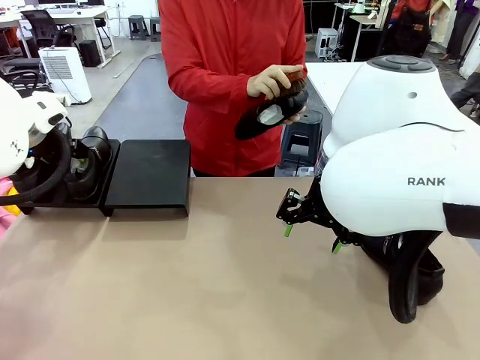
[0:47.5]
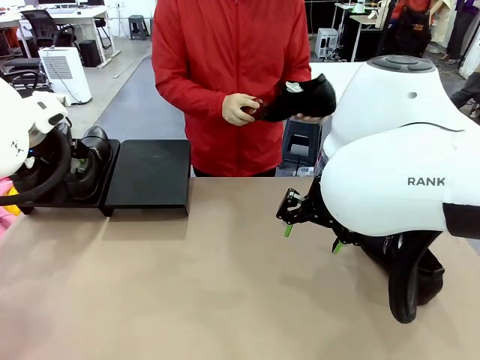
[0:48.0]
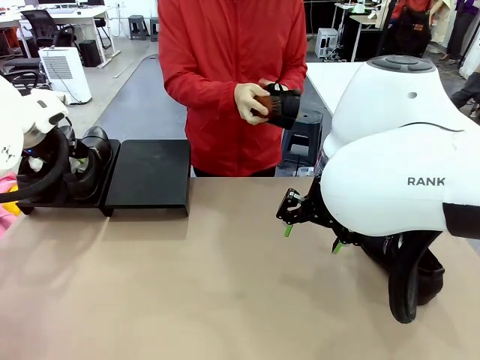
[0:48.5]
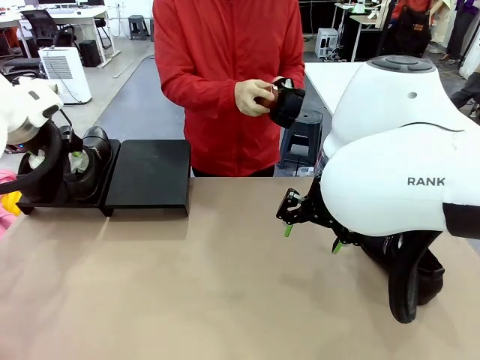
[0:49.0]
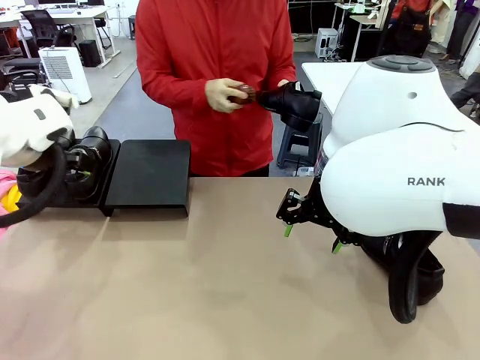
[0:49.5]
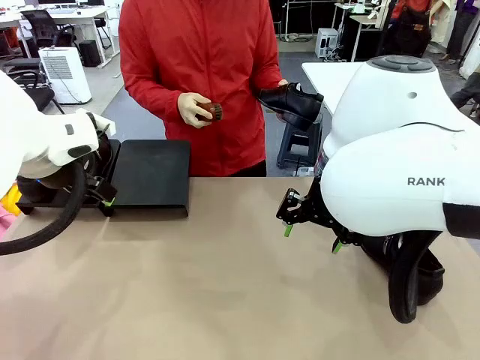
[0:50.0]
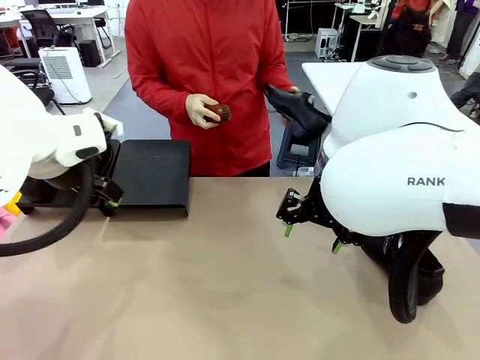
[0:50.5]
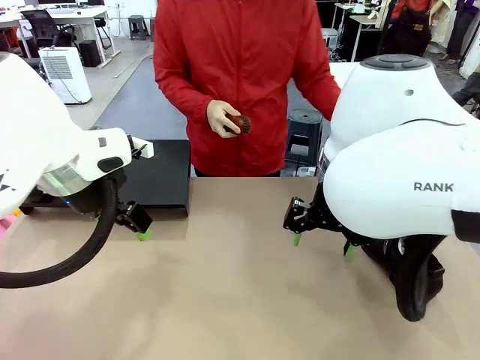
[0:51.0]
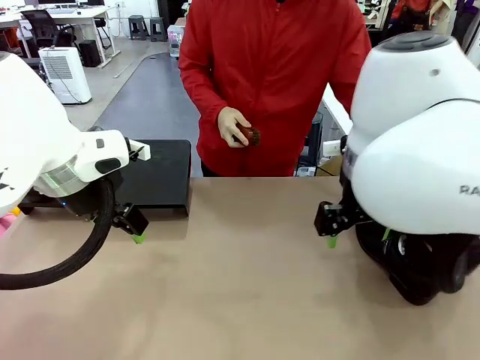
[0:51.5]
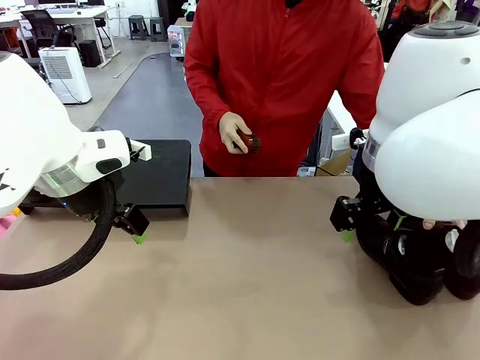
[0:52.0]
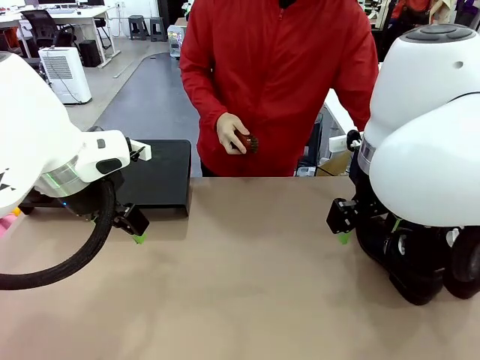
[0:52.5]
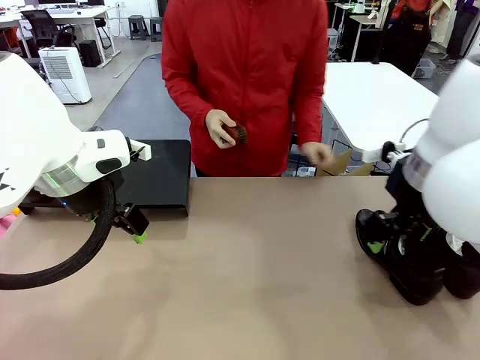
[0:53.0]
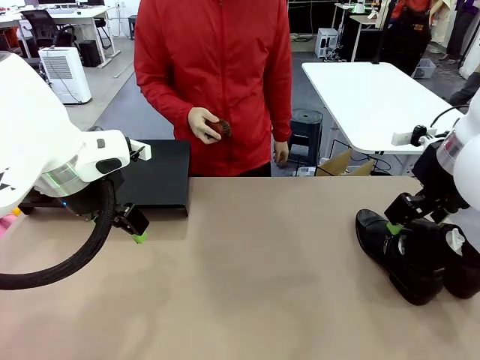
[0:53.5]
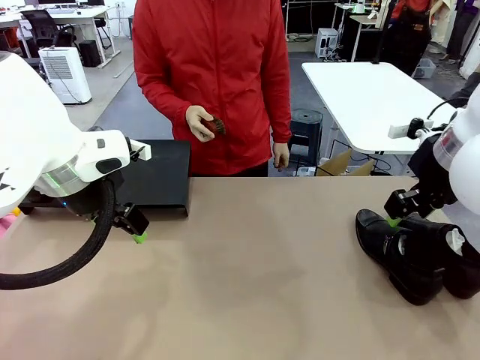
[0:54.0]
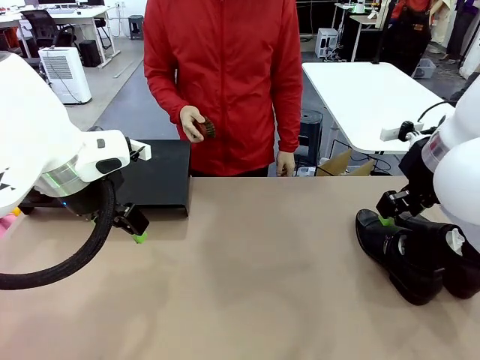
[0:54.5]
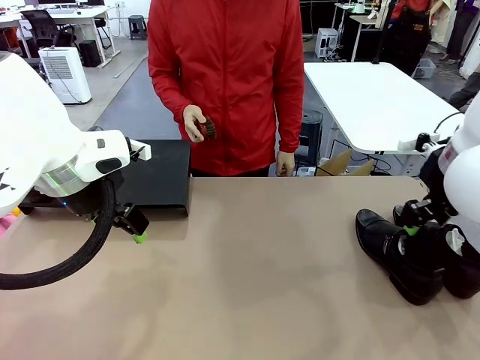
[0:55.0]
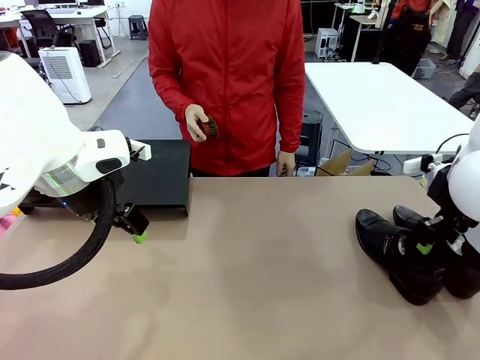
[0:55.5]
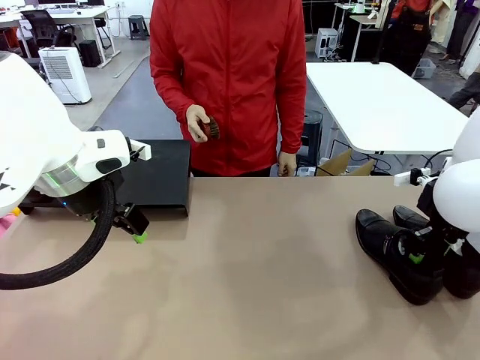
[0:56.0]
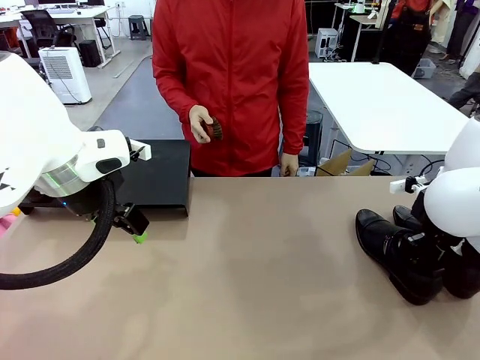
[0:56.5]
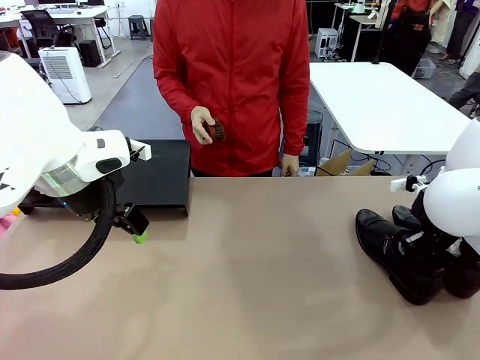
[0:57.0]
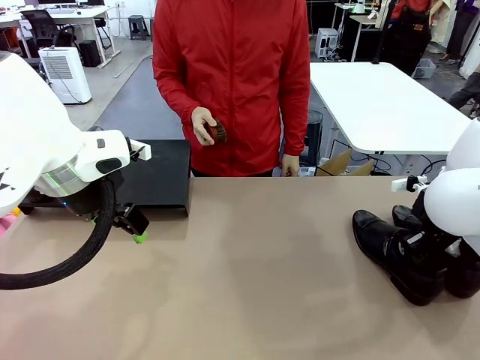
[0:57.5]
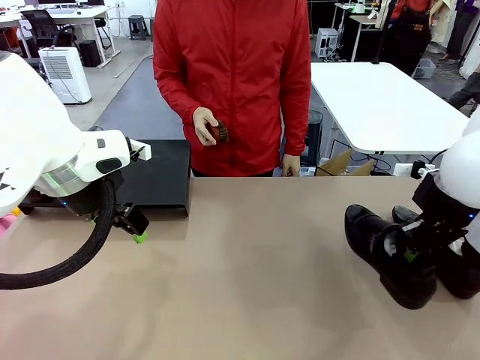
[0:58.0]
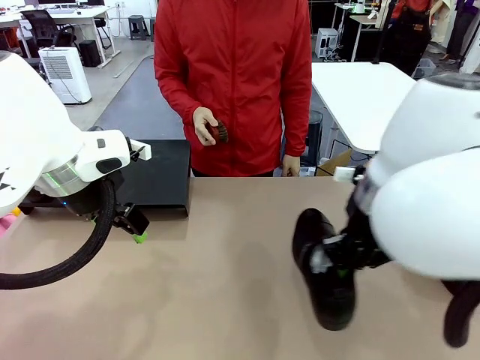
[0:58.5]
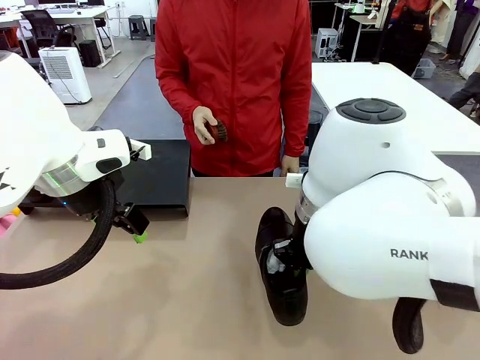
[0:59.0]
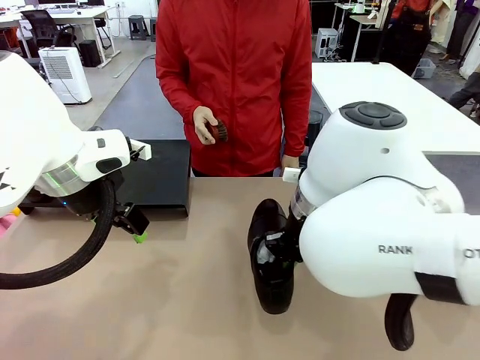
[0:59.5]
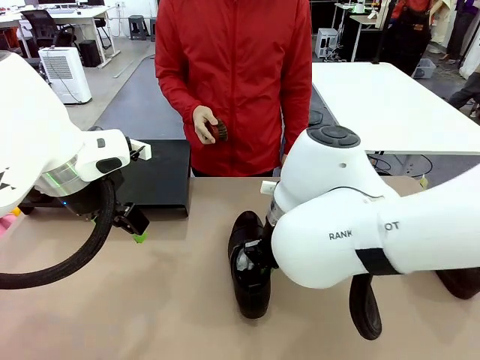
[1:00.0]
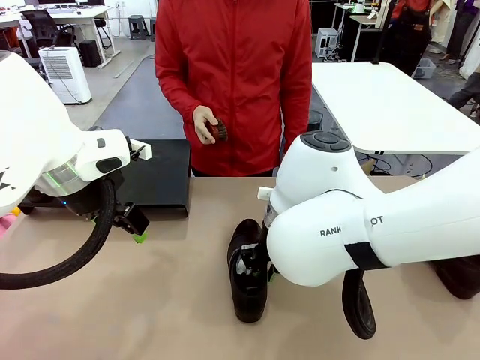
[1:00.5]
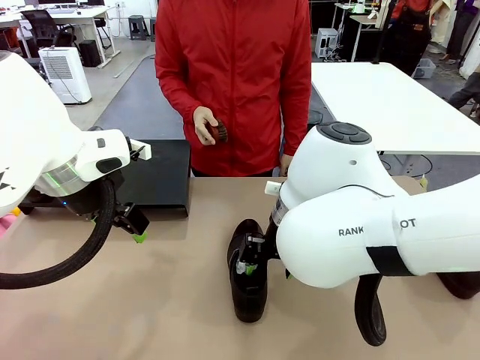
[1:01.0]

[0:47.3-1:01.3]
Task: Organize the shoes by placing them on the stand.
Robot: Pick up one Shoe and place it in the middle of the table.

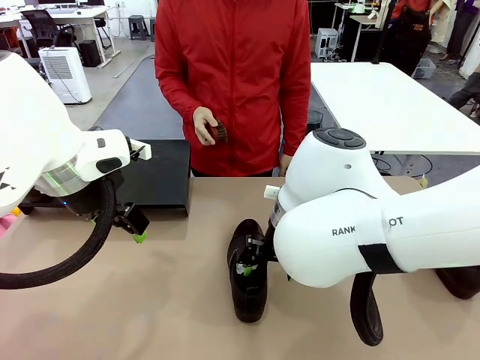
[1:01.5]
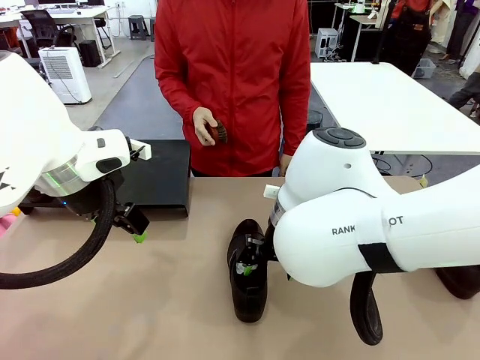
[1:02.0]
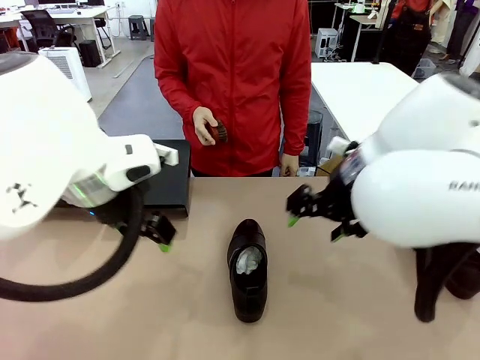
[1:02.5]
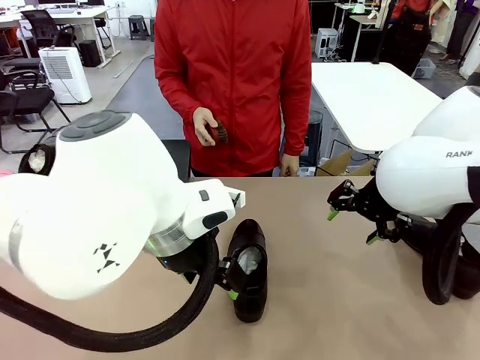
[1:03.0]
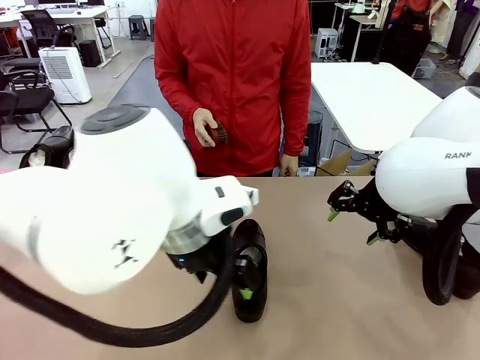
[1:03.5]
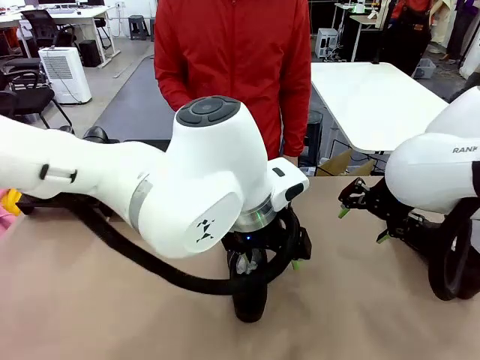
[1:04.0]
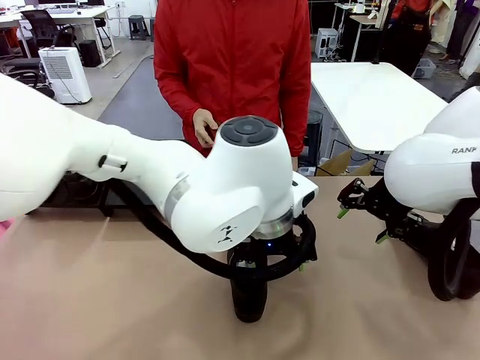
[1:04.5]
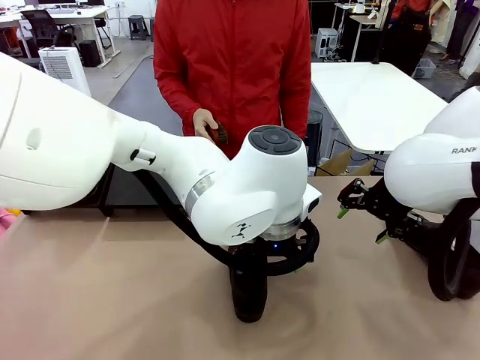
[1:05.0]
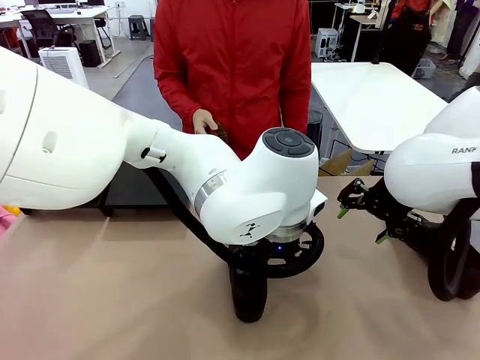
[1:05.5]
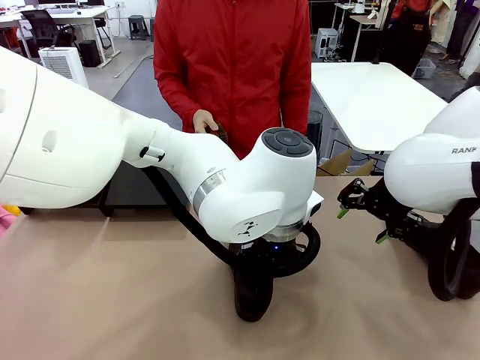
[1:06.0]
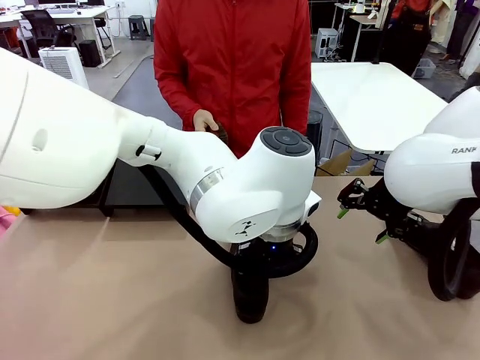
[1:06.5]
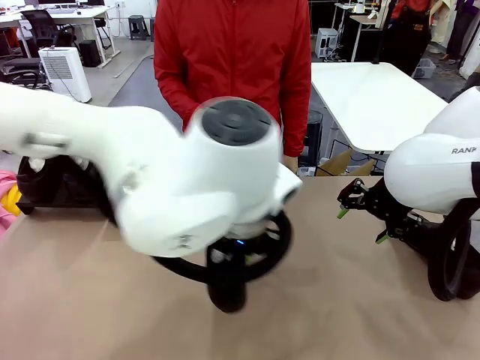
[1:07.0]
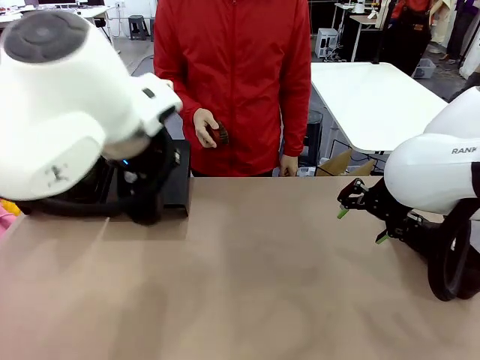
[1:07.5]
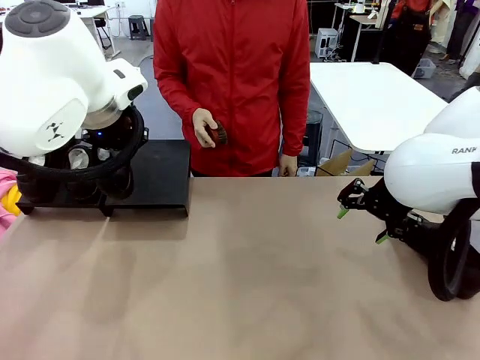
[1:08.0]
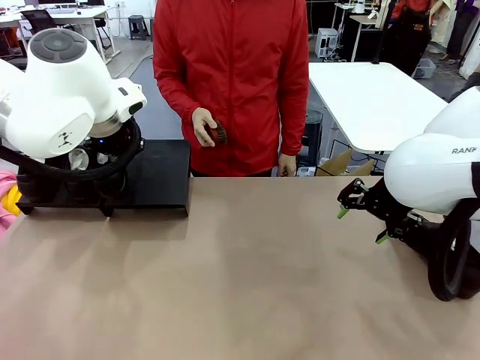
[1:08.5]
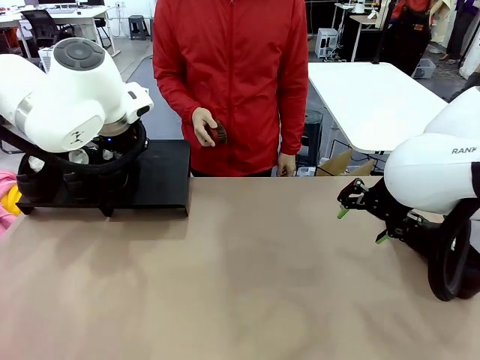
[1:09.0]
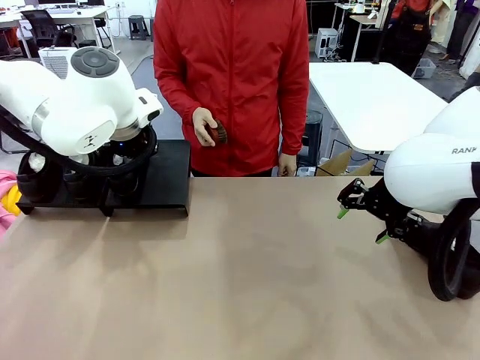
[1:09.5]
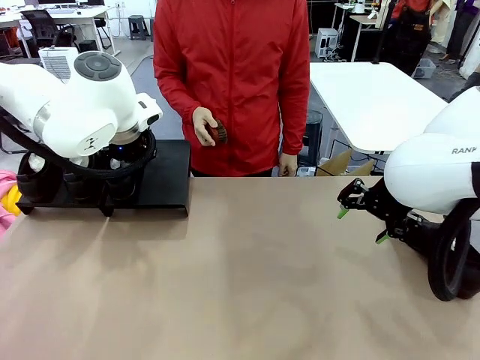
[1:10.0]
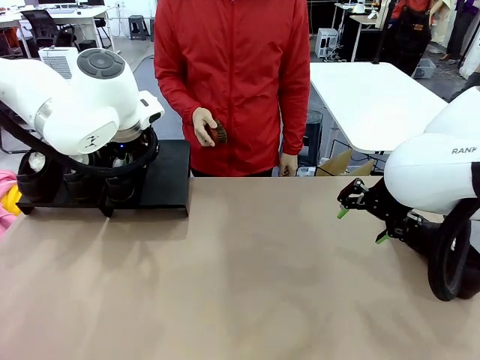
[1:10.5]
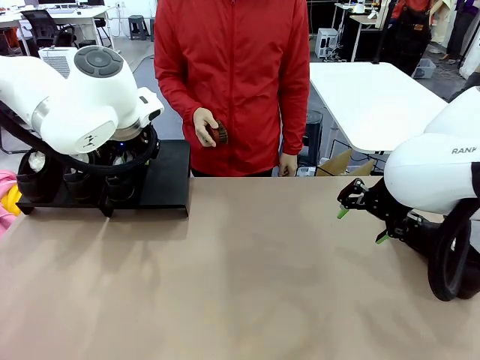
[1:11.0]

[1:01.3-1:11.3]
Robot: Place the Shoe from the middle of the table onto the Shoes Stand.
